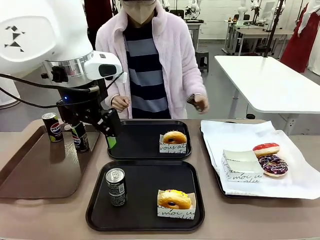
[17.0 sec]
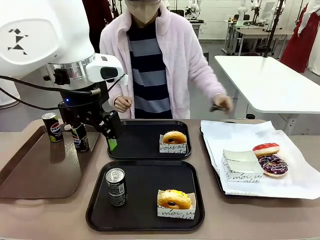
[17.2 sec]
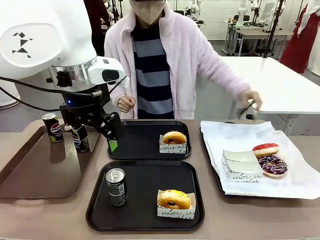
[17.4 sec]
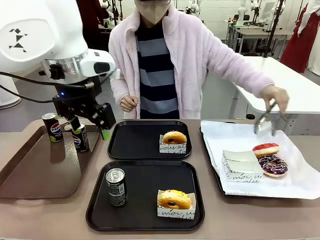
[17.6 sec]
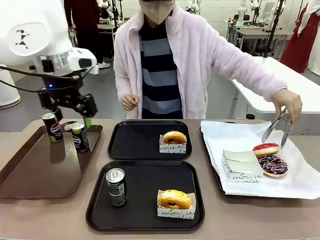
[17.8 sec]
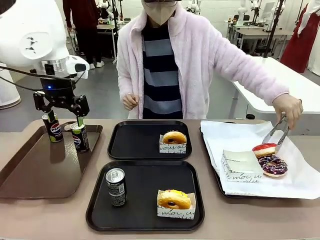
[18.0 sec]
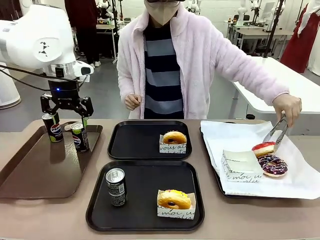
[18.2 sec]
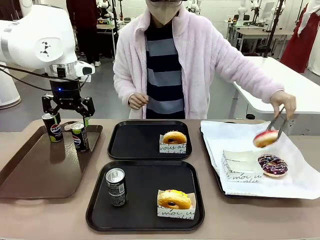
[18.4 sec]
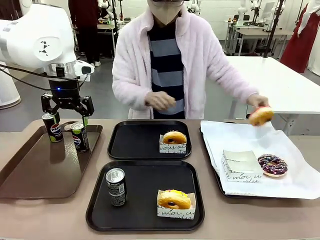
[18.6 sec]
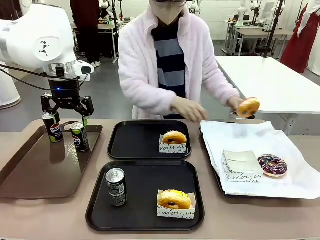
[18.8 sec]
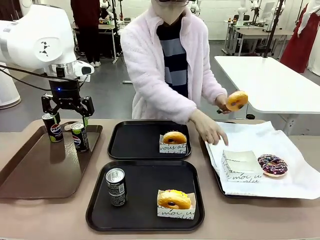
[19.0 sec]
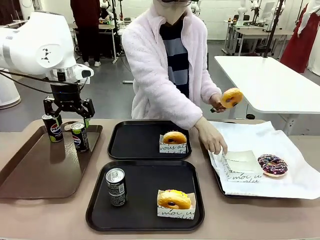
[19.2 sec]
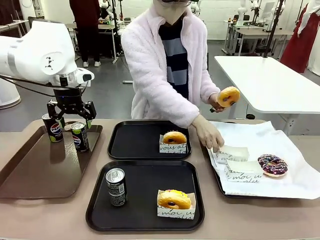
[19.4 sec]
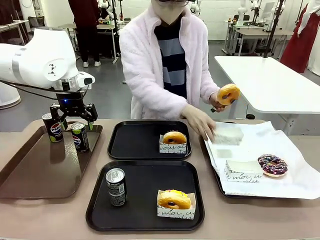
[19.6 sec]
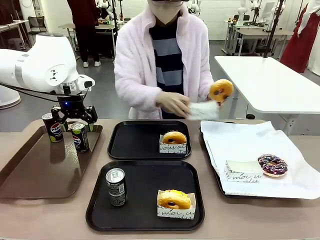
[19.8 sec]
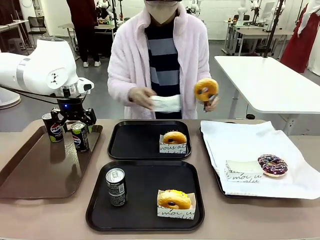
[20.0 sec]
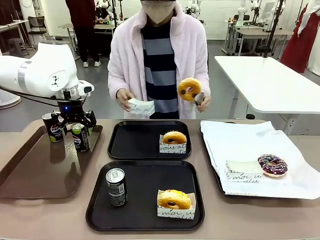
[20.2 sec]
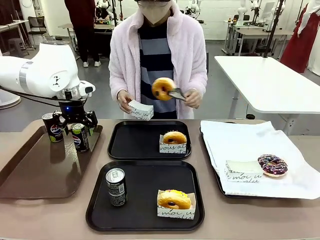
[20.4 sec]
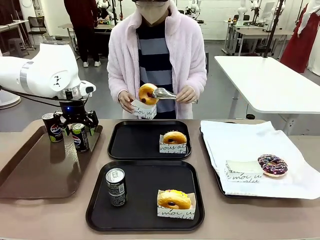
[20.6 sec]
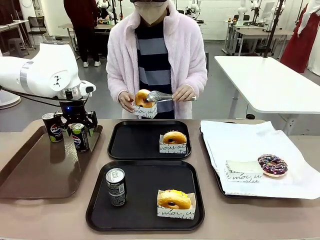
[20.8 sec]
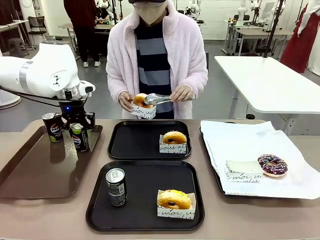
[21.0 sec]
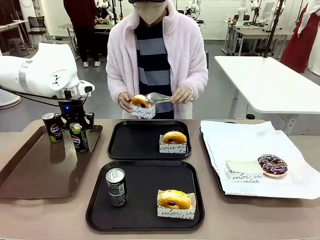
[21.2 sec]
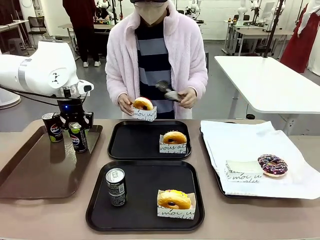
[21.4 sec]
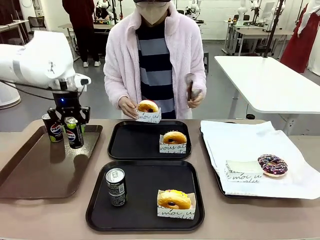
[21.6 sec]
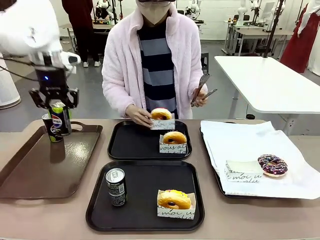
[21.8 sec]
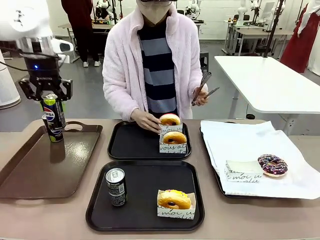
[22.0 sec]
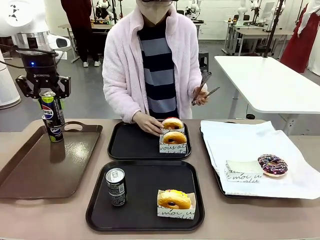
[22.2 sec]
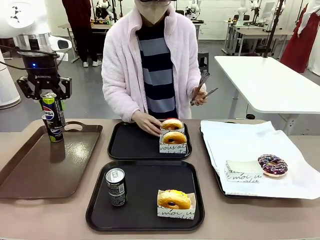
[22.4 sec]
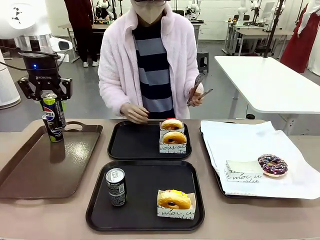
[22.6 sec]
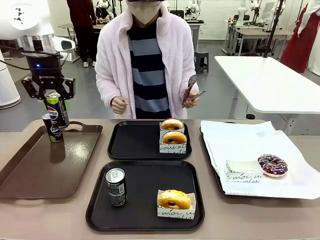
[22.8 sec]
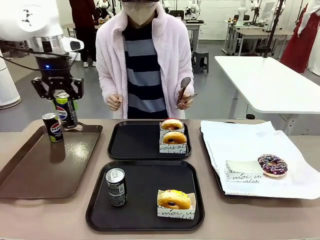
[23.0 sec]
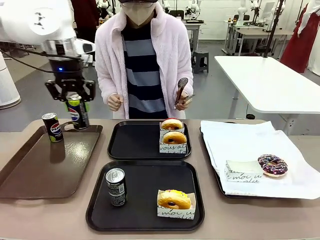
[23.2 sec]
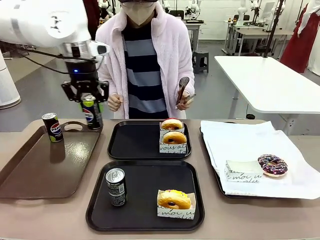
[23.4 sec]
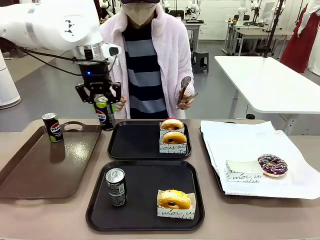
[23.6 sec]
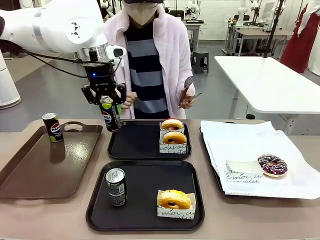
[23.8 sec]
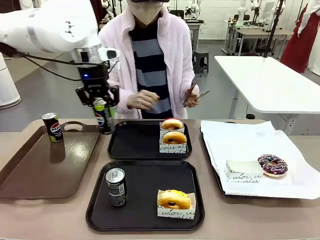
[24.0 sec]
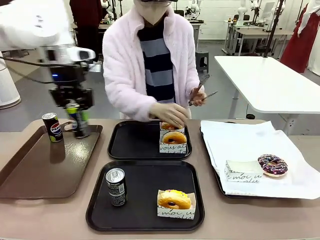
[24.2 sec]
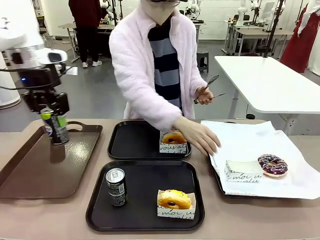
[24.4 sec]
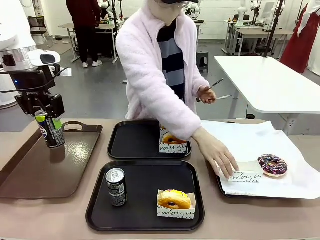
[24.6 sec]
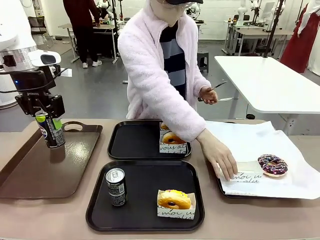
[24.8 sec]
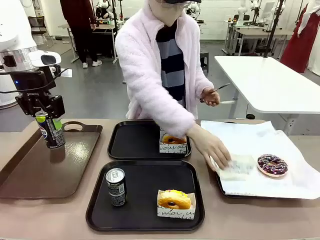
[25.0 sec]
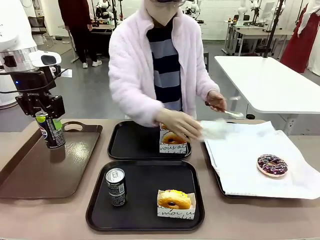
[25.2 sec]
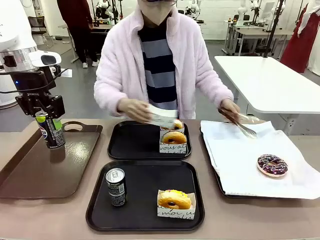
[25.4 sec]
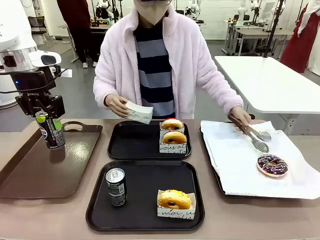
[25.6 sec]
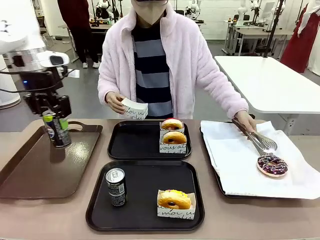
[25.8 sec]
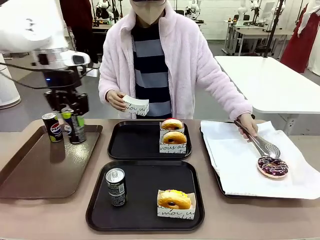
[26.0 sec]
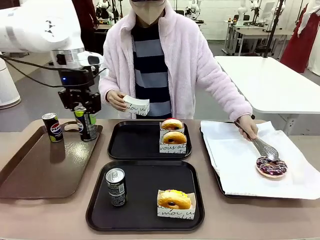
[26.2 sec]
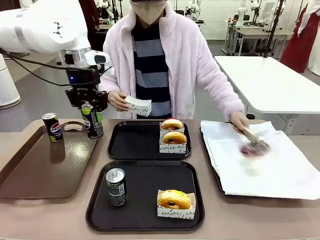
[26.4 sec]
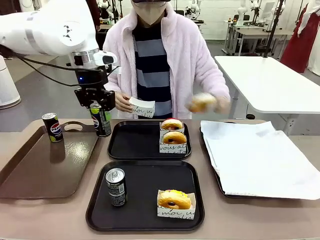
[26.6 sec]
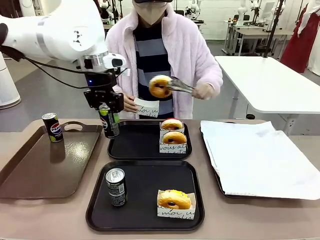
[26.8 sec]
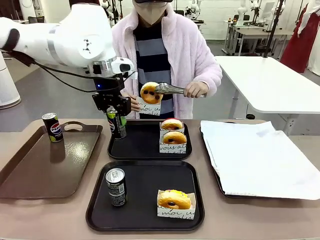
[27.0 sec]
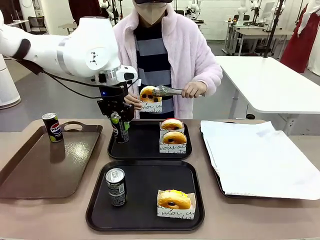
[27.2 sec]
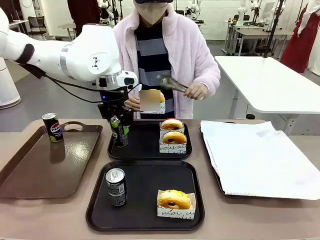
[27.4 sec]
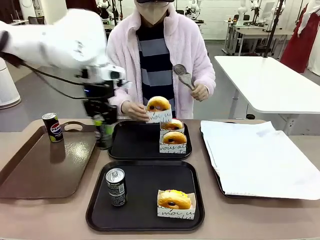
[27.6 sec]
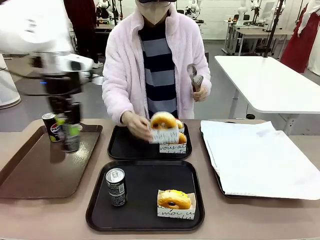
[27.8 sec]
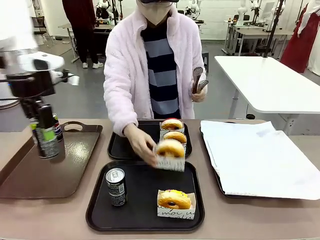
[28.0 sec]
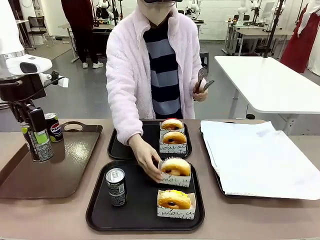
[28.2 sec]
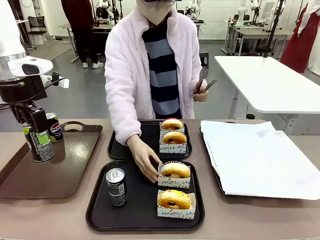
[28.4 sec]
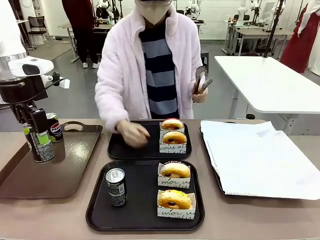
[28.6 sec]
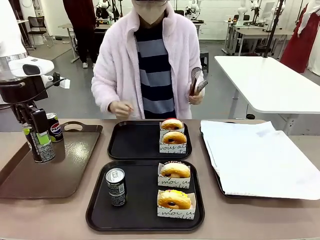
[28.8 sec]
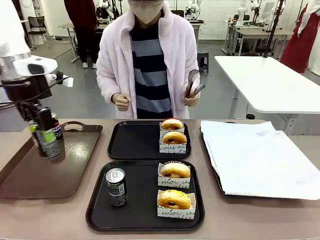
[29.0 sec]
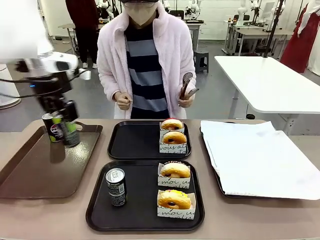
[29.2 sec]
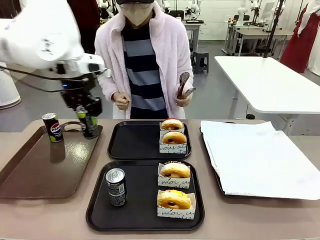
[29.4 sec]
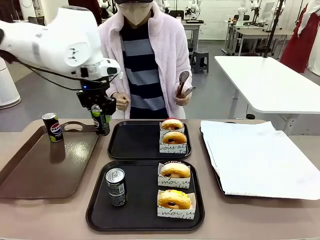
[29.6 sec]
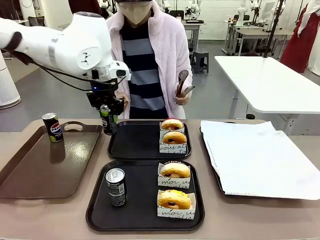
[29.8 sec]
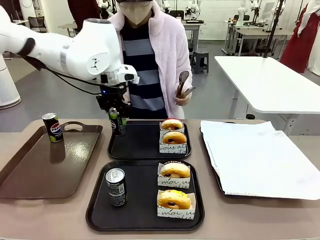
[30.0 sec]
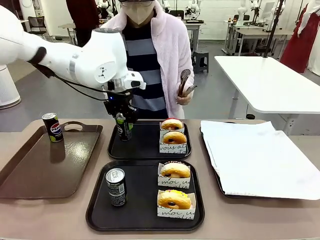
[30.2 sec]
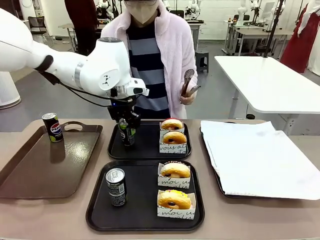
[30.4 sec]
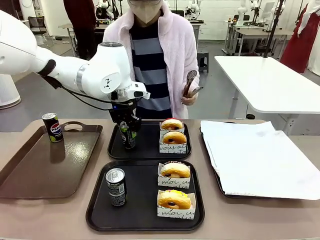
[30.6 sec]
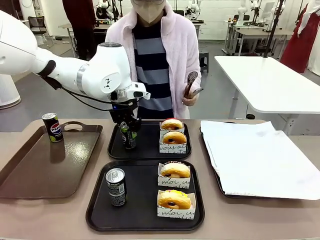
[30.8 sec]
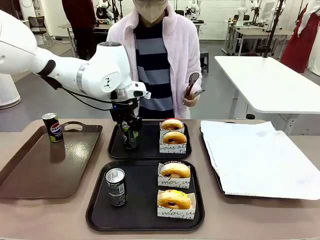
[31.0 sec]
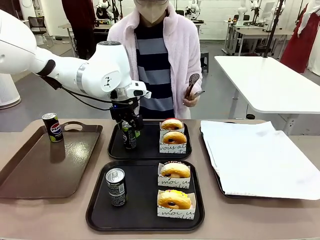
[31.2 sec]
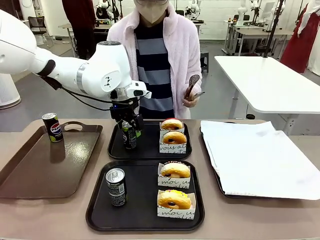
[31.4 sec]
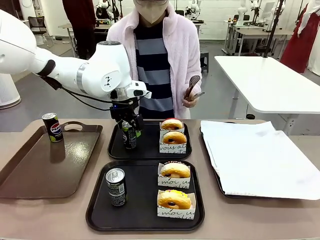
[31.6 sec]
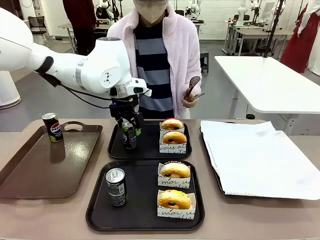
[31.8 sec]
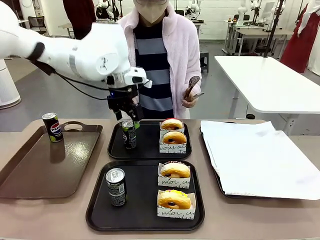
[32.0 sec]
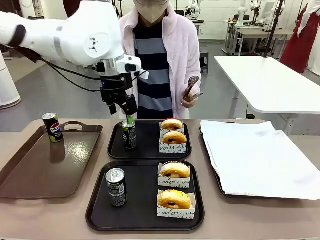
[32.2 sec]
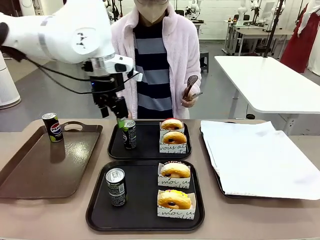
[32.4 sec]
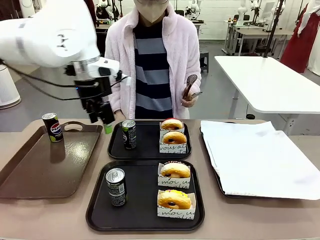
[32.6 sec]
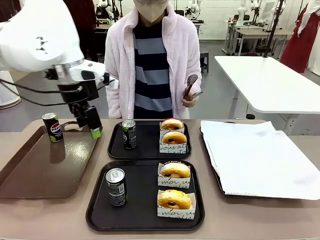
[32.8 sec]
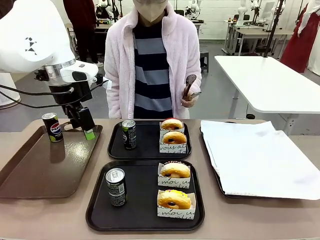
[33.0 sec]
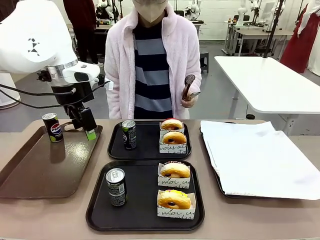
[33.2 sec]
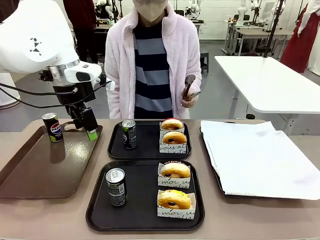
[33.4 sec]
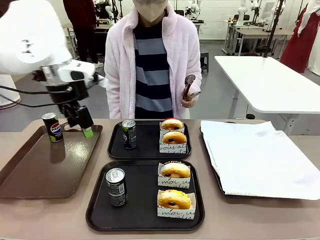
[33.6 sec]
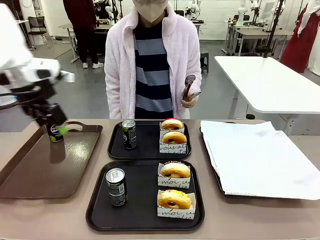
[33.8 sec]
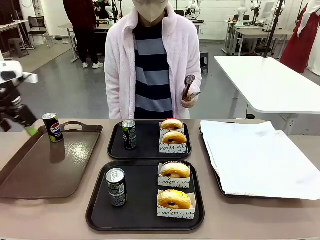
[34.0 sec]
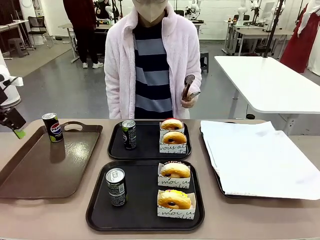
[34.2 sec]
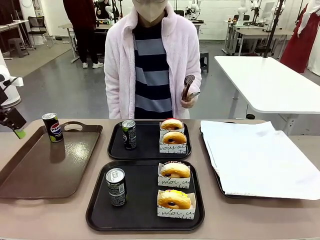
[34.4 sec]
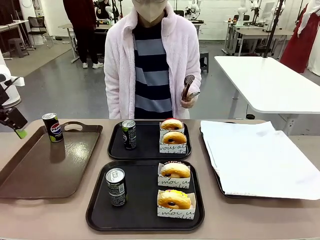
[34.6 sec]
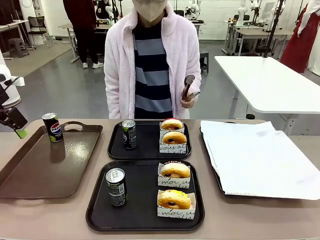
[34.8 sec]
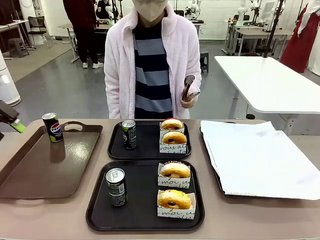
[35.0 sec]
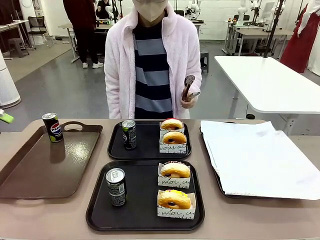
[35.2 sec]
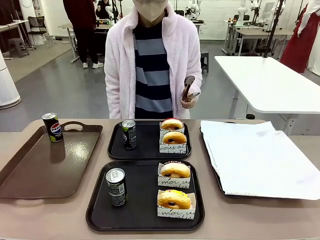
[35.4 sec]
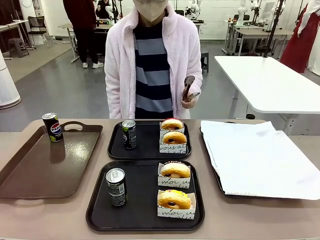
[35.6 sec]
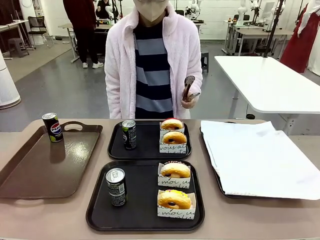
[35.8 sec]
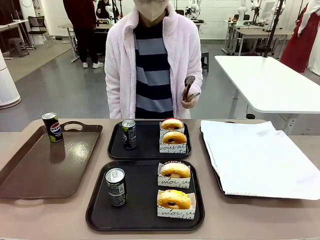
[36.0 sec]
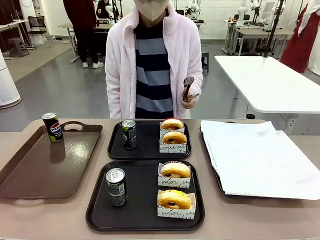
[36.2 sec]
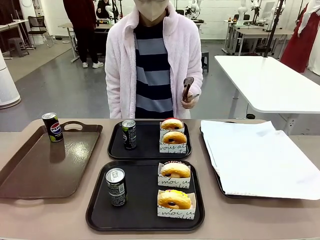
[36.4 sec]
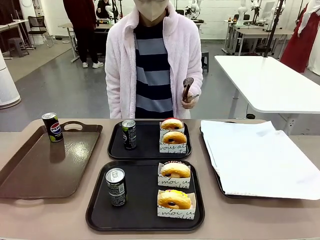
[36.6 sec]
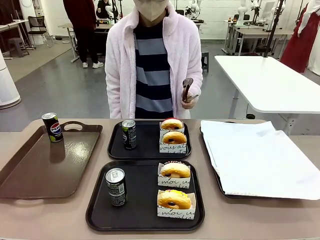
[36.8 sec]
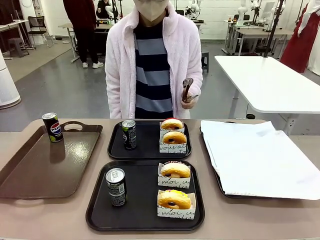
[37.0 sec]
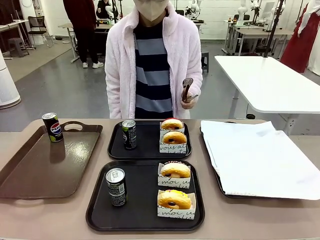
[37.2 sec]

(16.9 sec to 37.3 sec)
Task: Set up donuts and drinks on trays.
Robot: Pick up one Pepsi coke from the Handle tray and place it on the Flat Tray without a Pepsi coke.
Person: Pick up one donut with tongs, place it in the donut tray, and then place the donut tray on the flat tray.
